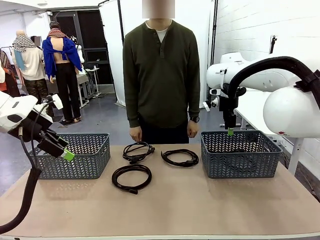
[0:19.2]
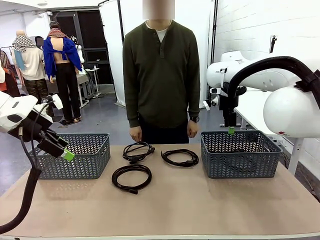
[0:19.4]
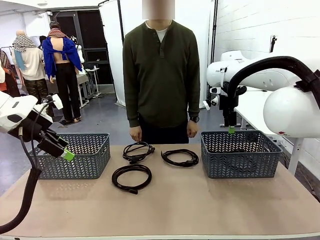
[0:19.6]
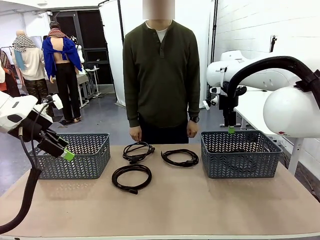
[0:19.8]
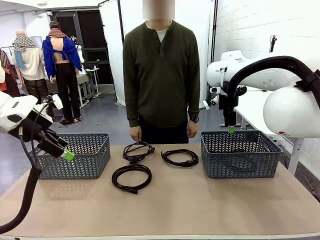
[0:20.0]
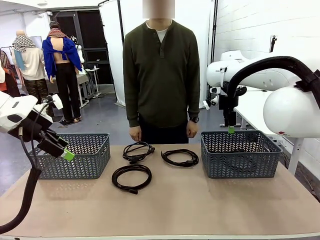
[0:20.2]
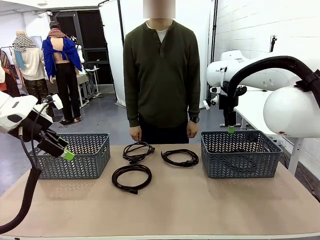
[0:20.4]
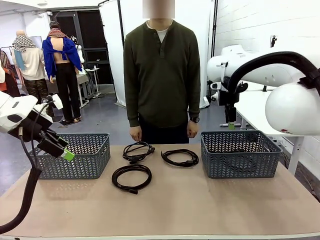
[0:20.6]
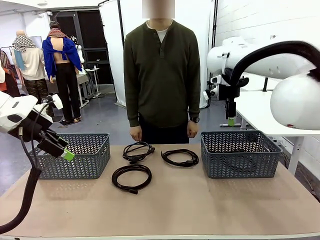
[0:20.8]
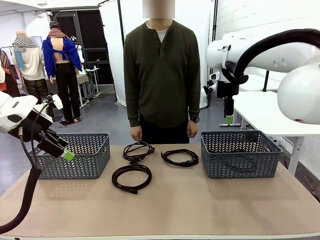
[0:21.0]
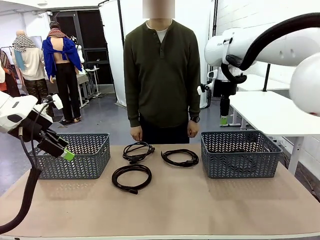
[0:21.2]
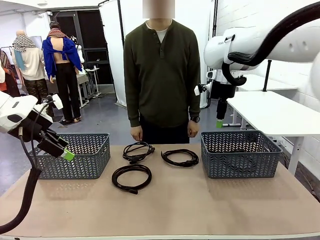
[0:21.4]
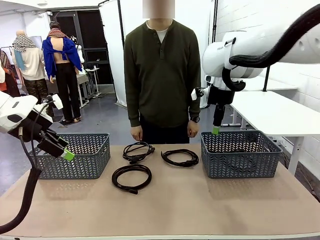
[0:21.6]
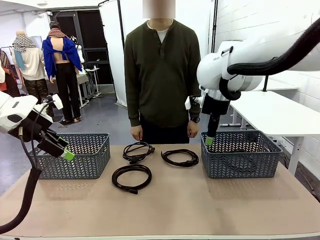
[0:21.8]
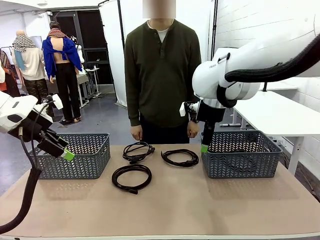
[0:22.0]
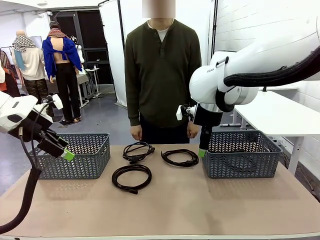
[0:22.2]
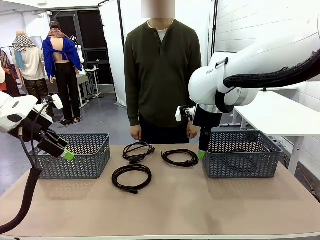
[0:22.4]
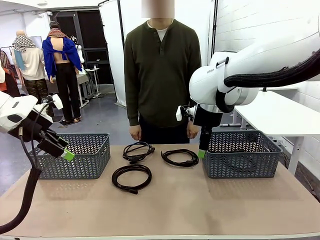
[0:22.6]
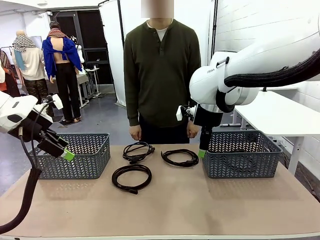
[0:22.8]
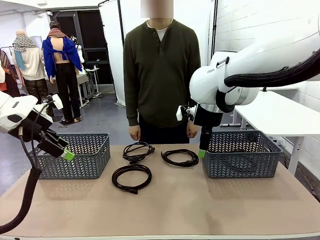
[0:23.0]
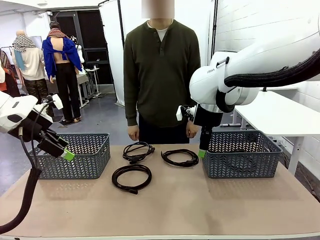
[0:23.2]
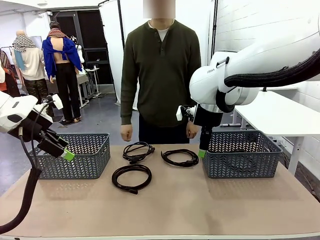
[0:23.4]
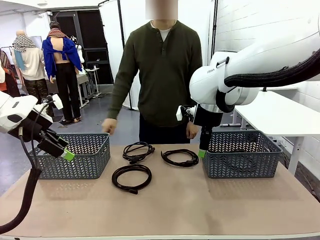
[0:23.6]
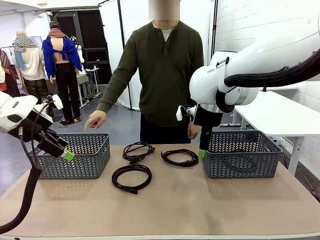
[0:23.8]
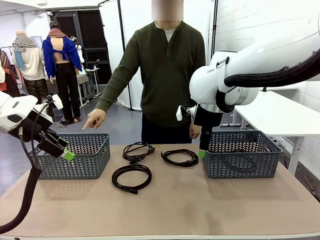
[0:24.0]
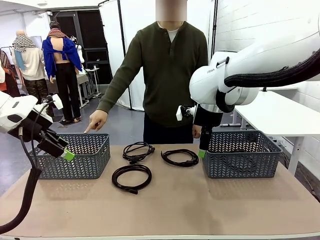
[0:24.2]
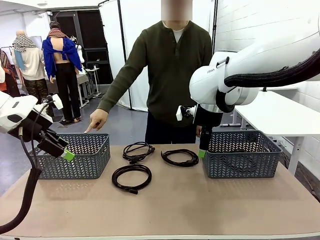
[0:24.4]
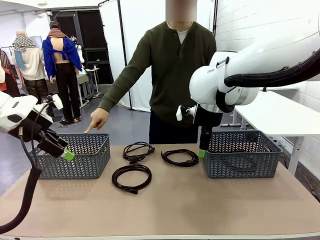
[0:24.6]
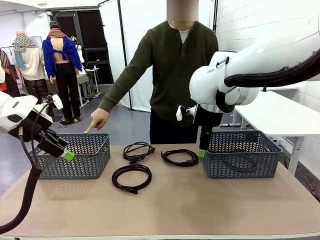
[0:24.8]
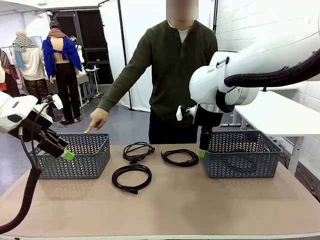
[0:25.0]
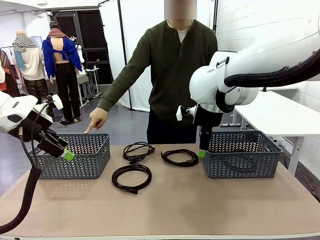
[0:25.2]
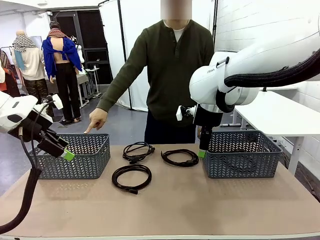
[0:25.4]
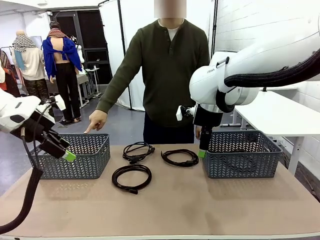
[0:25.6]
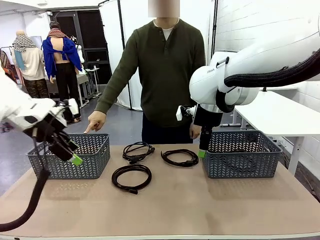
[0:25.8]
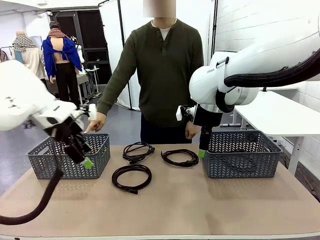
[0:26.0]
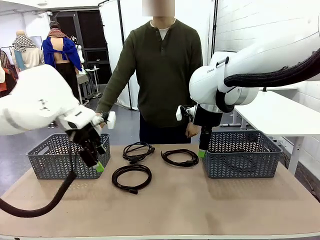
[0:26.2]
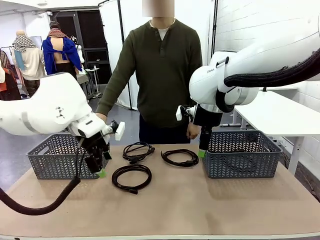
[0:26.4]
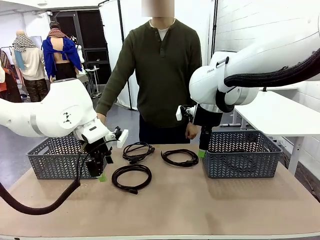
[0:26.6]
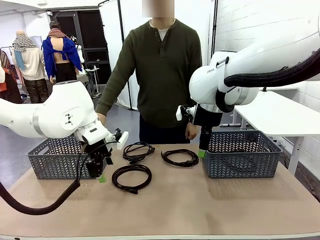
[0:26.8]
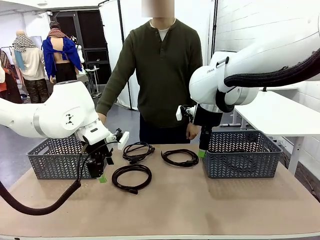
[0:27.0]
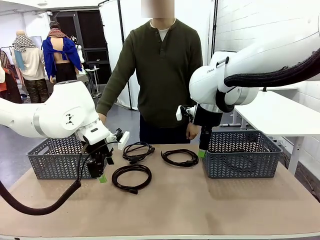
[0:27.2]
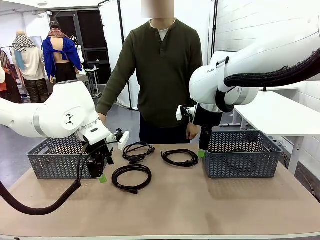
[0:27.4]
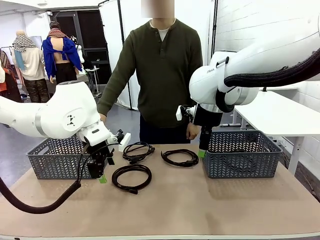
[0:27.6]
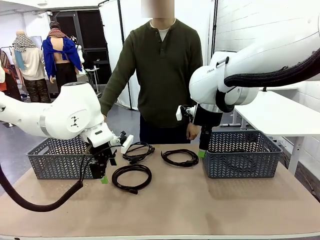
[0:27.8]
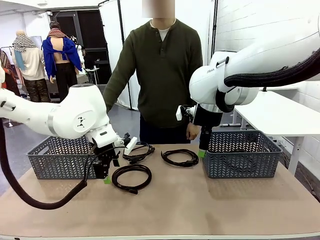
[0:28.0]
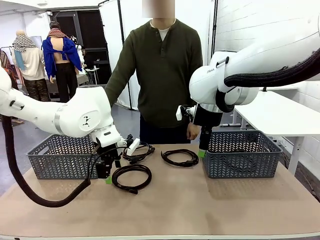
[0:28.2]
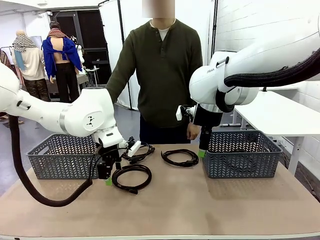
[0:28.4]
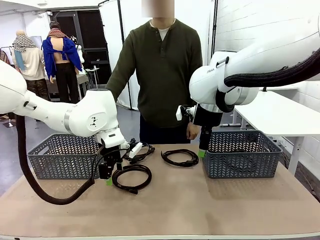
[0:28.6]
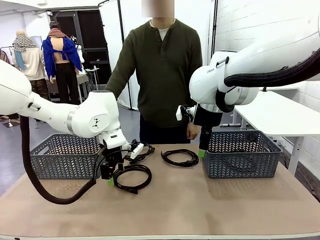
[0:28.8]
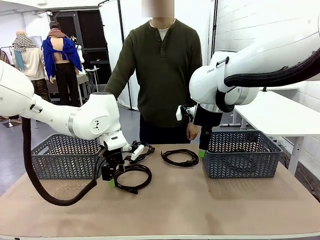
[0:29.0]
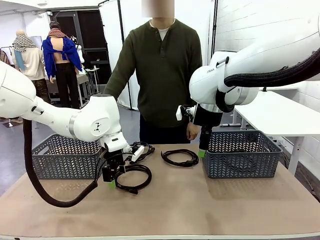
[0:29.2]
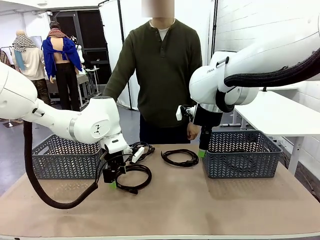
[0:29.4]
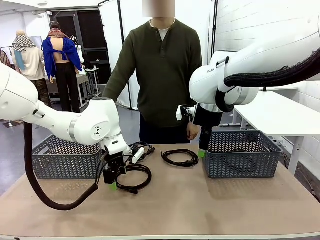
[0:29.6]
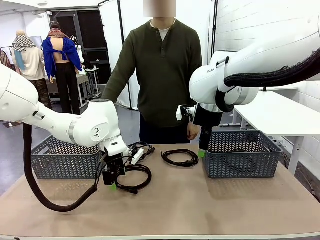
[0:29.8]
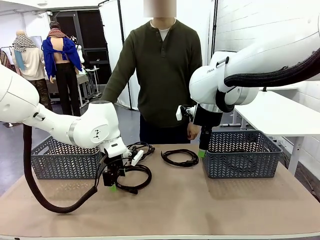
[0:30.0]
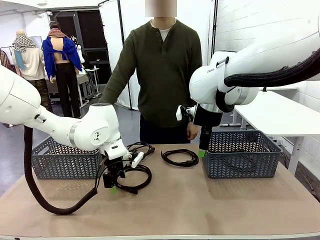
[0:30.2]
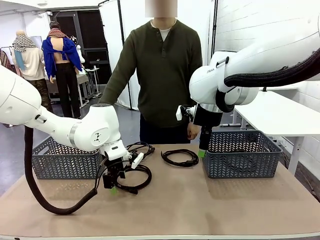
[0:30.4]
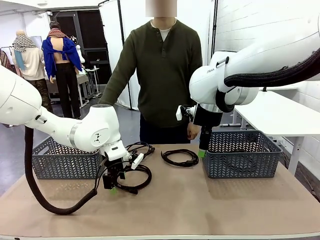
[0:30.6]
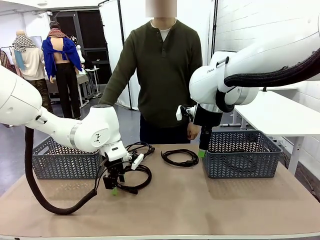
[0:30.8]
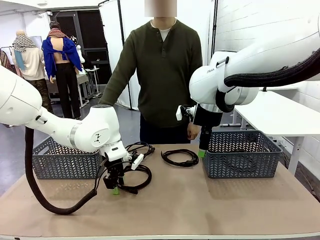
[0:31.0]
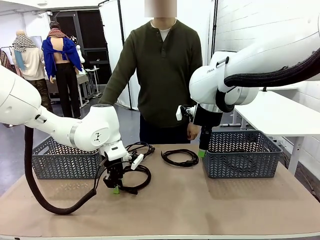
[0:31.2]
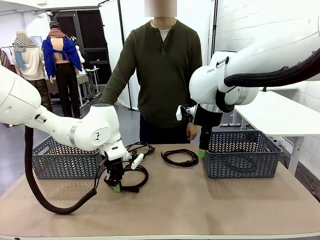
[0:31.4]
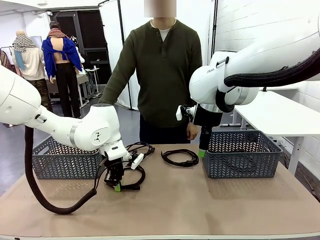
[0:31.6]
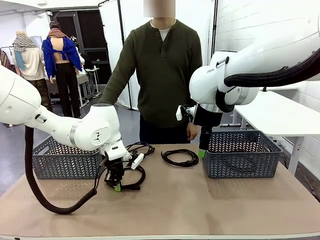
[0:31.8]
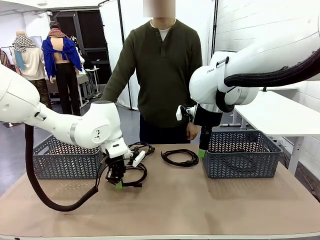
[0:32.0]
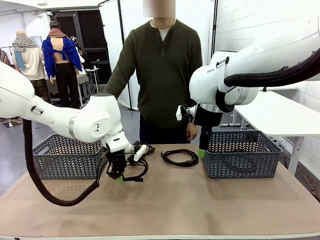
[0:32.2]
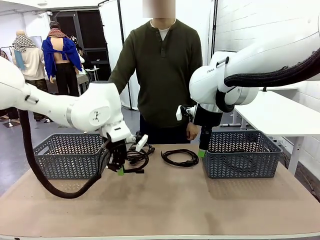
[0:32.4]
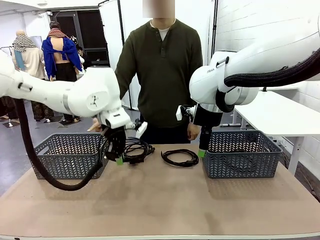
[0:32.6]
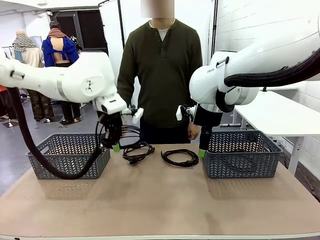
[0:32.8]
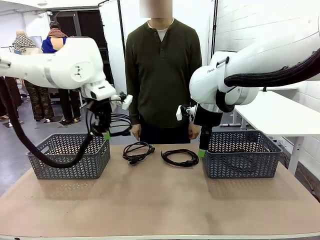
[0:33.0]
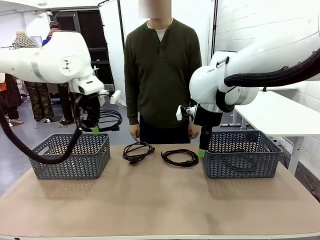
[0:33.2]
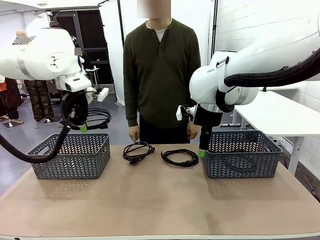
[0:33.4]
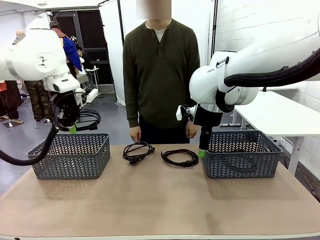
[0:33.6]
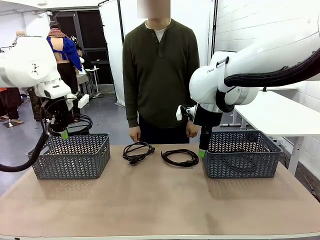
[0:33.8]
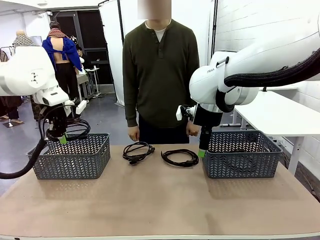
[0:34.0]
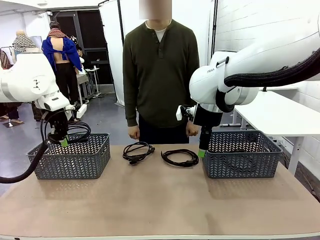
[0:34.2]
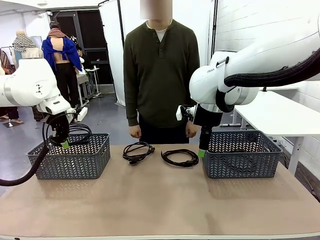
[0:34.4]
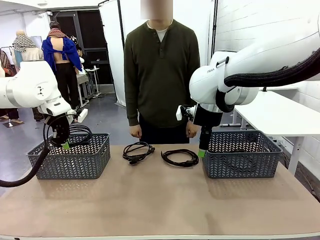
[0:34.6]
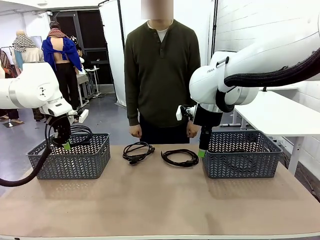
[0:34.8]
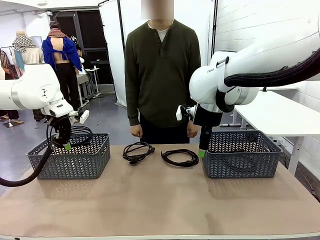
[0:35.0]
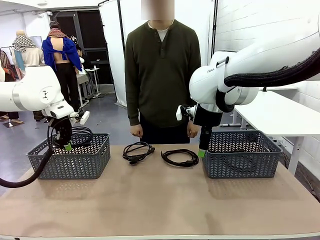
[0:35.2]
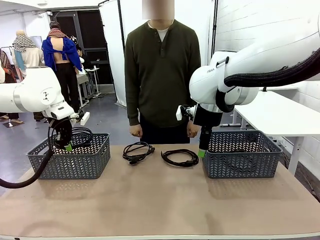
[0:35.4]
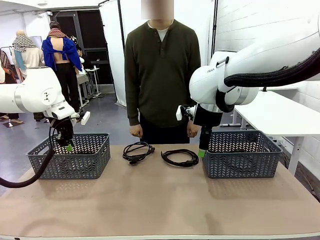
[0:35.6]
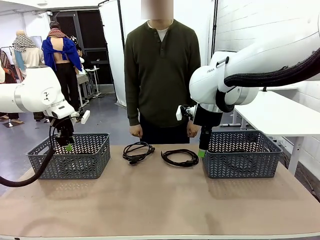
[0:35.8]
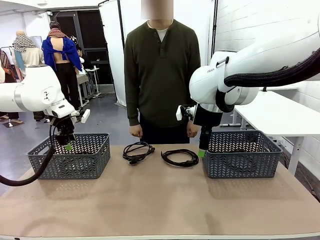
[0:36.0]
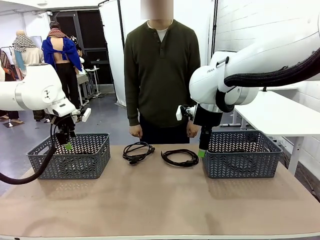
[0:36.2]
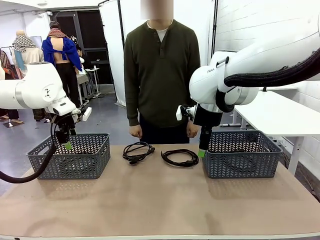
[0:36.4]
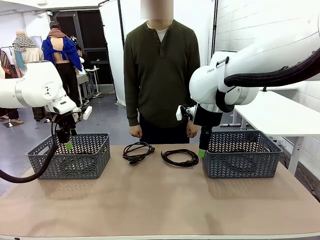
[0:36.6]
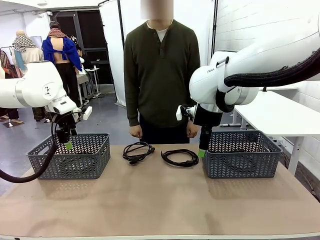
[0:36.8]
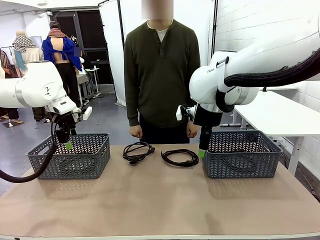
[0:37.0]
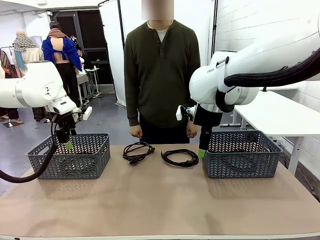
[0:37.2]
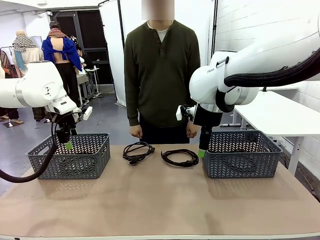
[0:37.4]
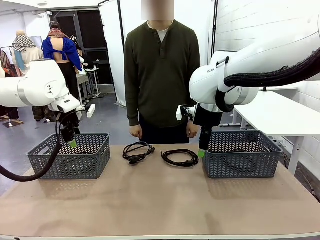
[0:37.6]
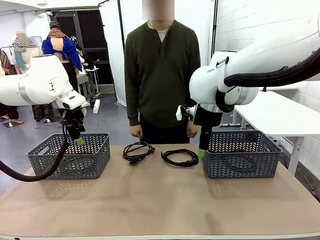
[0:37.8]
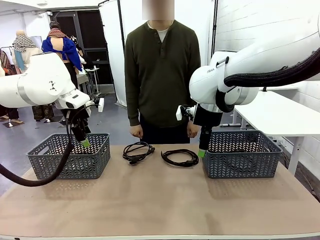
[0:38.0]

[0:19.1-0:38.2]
Task: Organize the cables according to human instructions.
Robot: Pick up a bundle of cables and place it in the basket indicated by the human.
